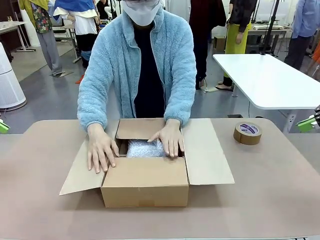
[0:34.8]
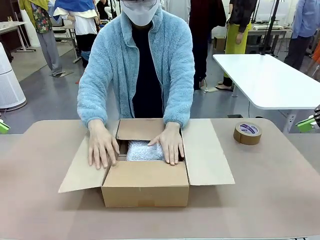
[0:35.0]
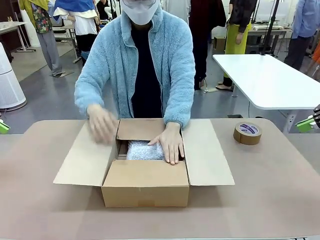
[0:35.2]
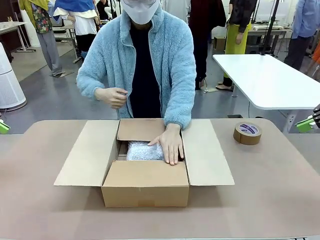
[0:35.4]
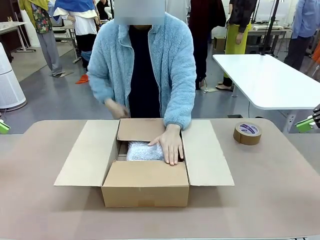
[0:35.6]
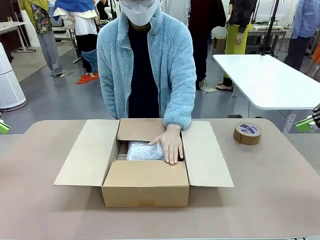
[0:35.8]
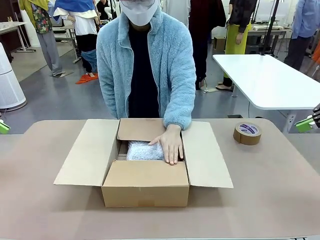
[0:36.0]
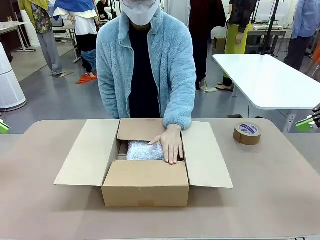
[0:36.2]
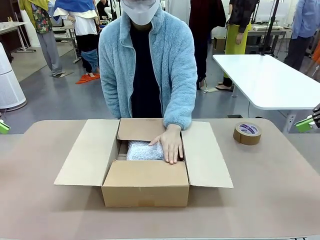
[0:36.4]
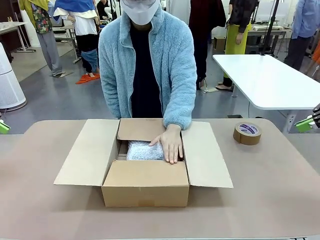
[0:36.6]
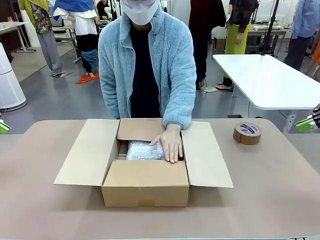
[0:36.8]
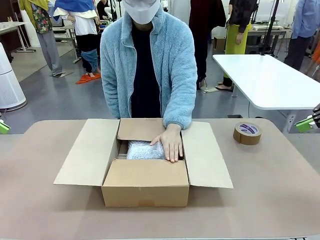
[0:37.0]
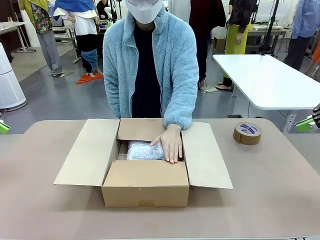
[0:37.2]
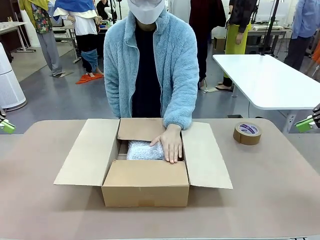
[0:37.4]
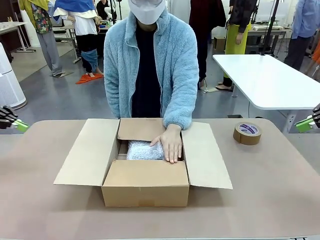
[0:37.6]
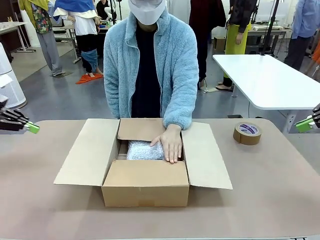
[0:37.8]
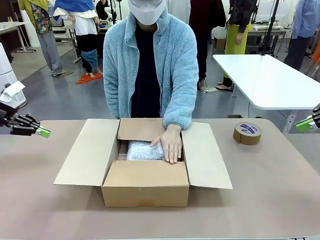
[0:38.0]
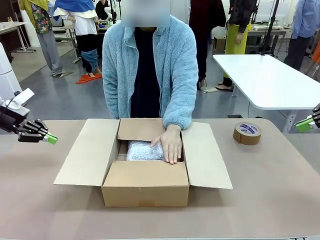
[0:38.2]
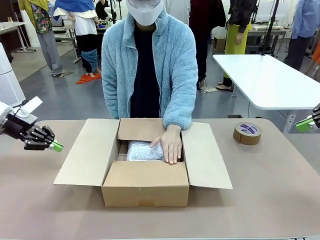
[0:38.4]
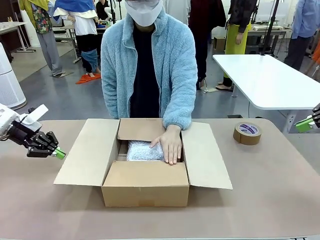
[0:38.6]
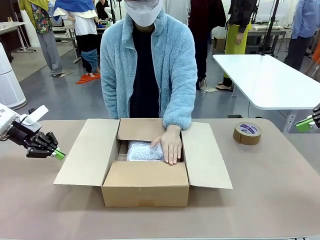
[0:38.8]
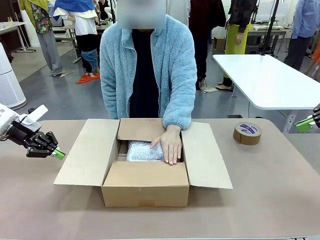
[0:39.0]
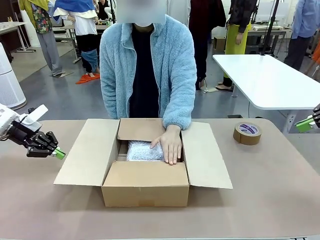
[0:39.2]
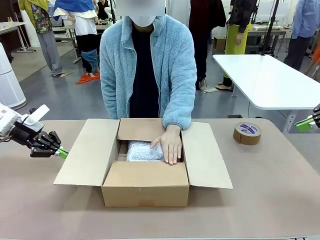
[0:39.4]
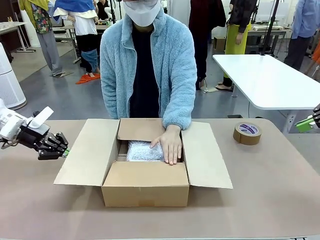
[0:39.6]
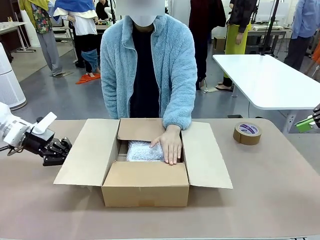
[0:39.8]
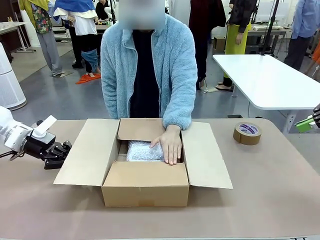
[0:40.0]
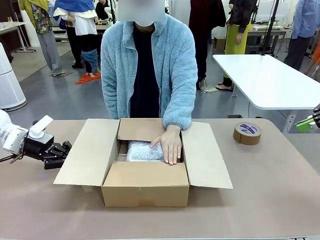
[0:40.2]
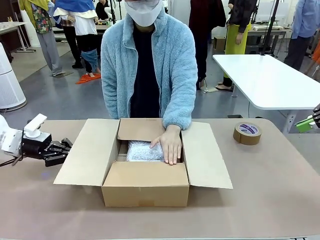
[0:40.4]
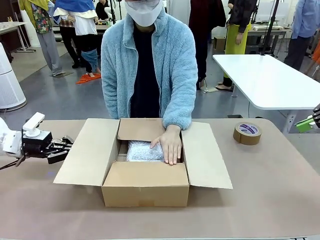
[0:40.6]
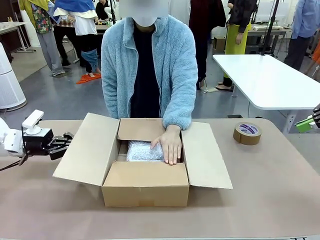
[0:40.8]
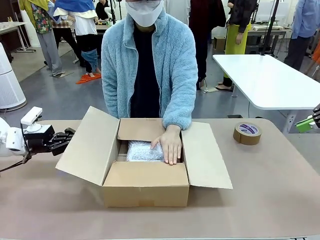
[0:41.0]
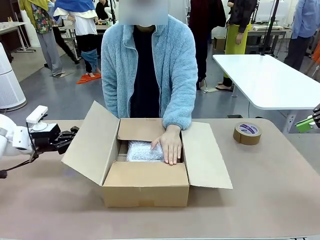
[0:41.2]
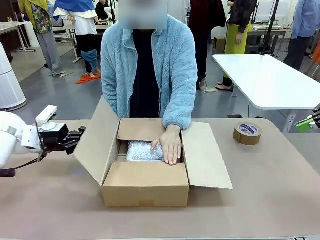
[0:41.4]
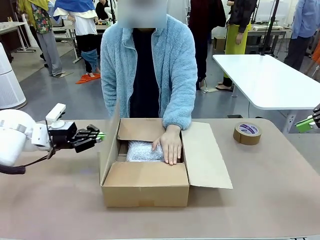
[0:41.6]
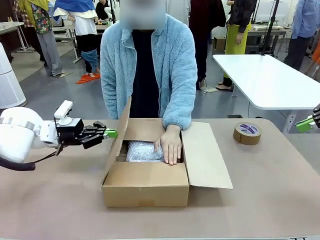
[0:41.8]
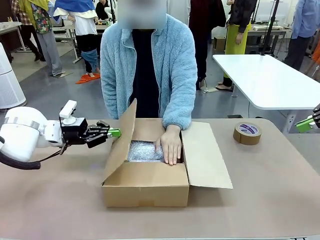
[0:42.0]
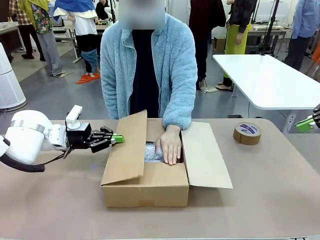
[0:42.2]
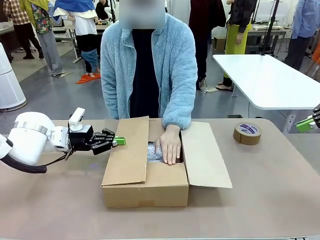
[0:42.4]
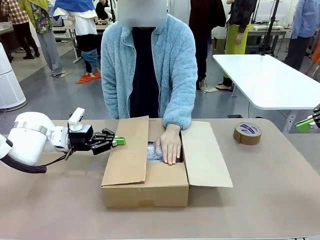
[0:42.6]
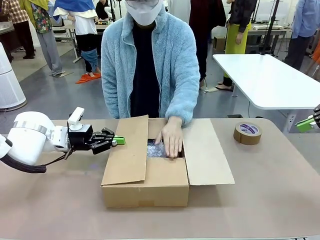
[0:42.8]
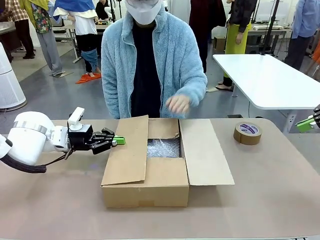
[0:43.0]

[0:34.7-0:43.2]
Task: Wrap the clocks to prevent damage.
Robot: Push the right (or left) flap of the Package Box to close it.
Person: Once the robot closes the right flap of the Package Box , release your left hand from the box.

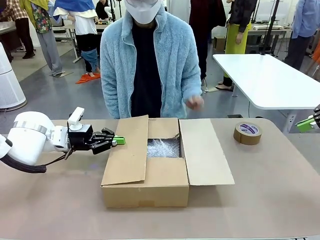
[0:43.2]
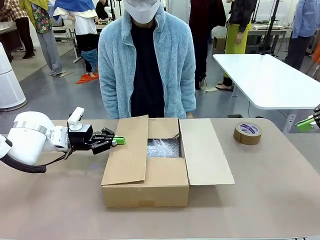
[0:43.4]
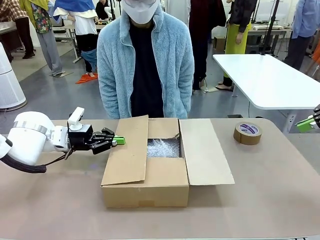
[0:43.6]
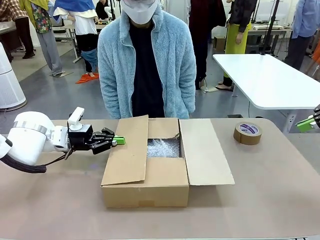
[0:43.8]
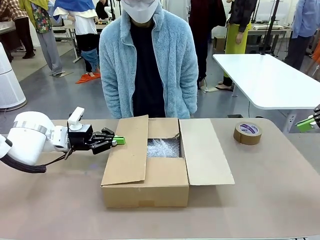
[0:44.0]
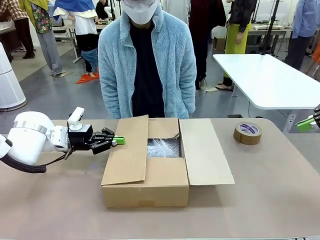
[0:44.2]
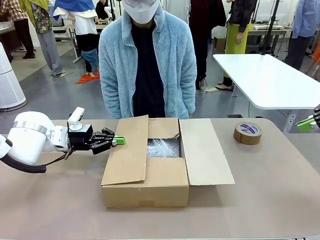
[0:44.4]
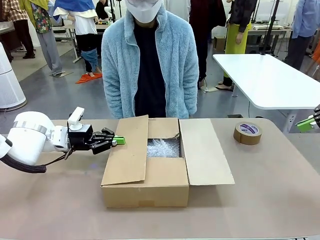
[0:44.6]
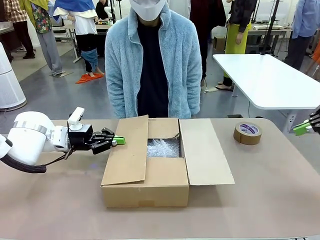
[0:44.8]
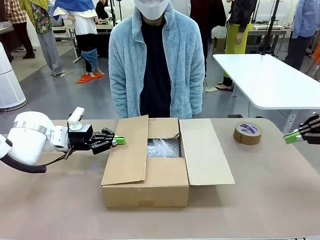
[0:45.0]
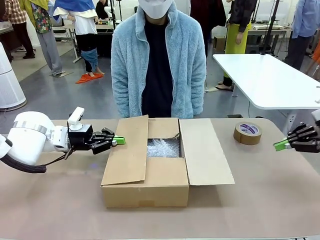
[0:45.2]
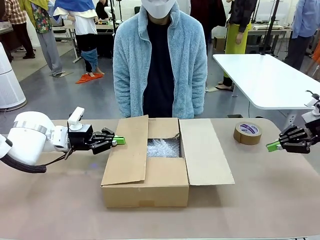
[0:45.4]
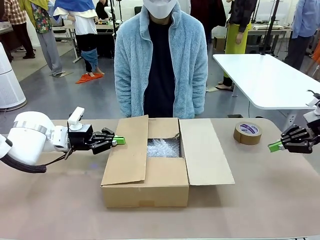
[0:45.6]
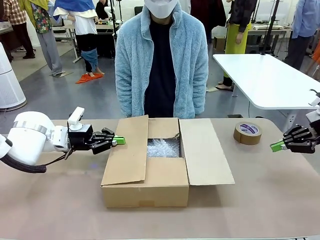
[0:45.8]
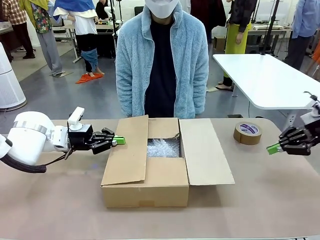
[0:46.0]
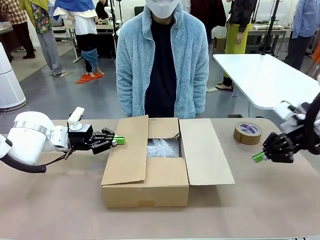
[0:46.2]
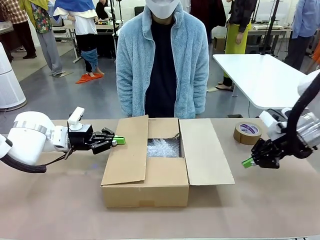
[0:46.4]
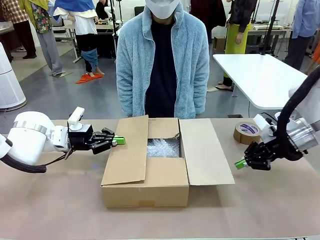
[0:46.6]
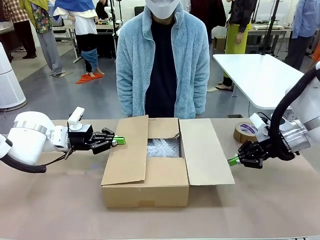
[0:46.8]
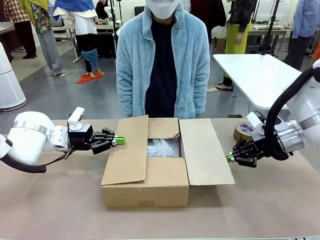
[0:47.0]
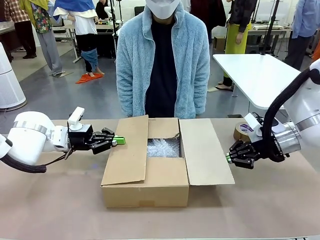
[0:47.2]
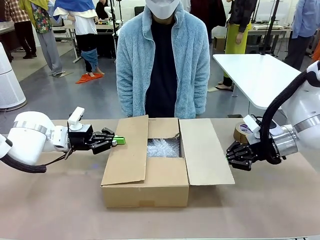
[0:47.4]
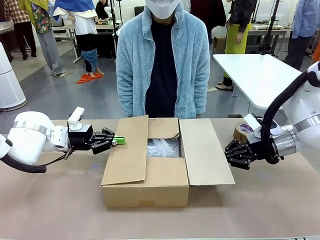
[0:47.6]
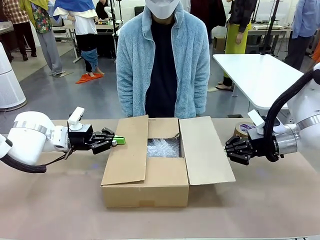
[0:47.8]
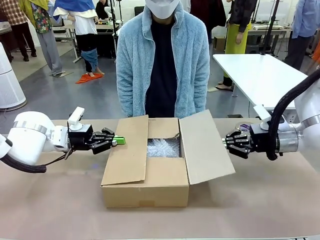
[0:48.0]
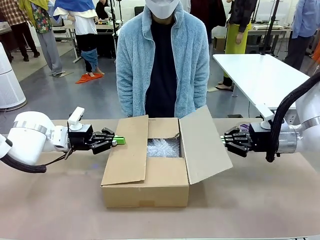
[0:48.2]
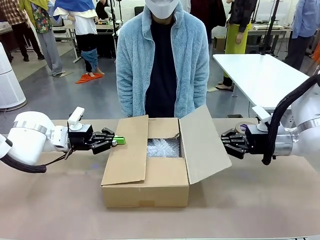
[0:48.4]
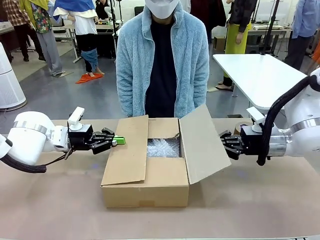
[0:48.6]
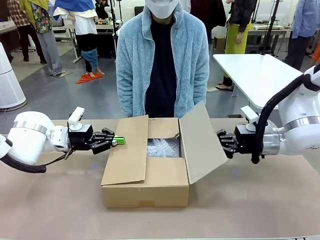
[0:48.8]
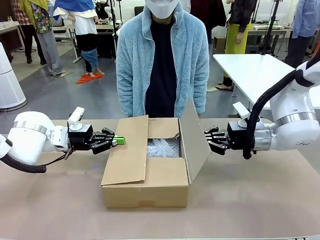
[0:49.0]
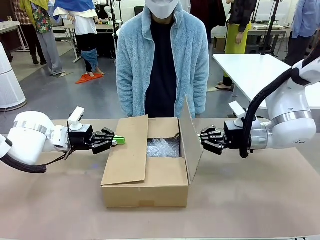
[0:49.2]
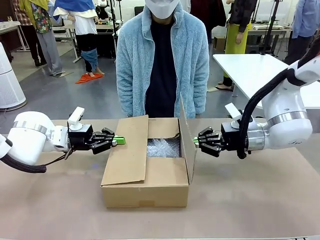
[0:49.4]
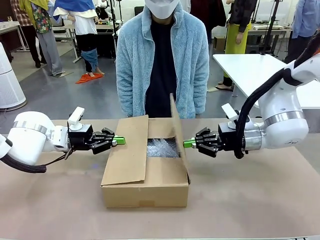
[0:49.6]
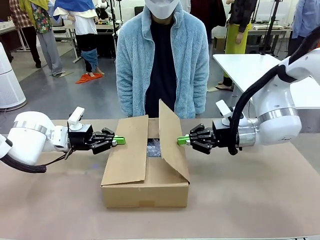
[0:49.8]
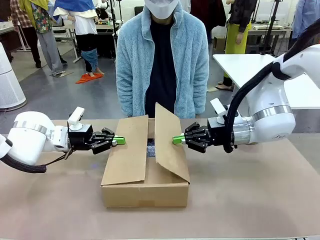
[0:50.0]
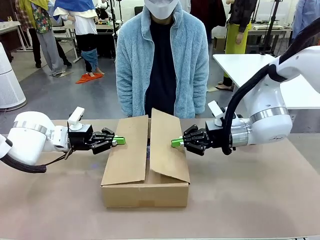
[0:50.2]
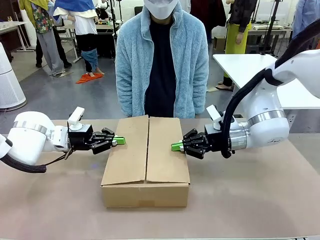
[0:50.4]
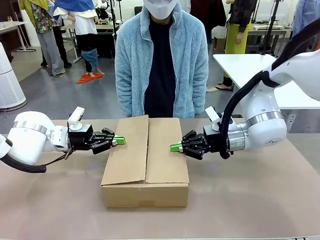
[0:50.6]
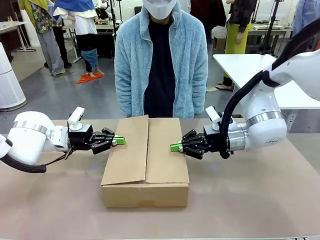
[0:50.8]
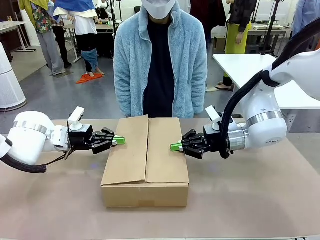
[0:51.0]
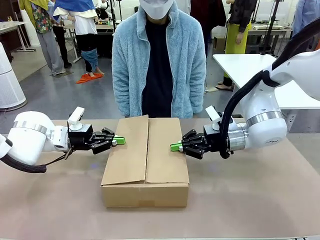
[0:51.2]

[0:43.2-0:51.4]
Robot: Push the left (or right) flap of the Package Box to close it.

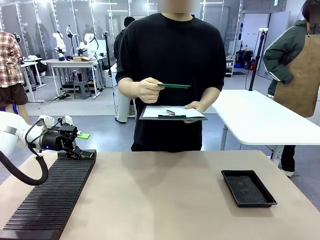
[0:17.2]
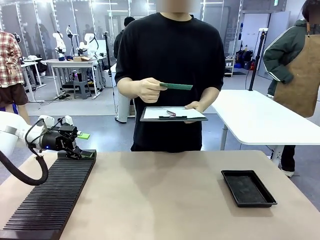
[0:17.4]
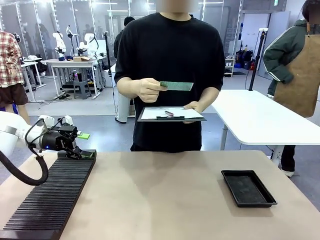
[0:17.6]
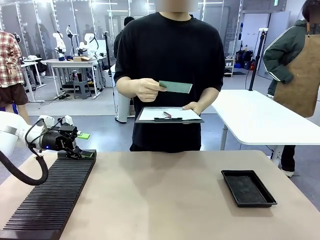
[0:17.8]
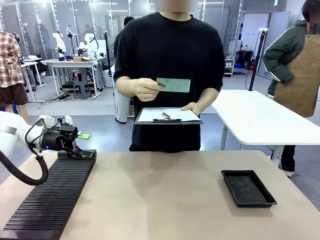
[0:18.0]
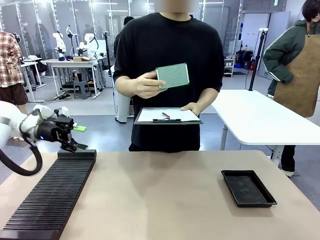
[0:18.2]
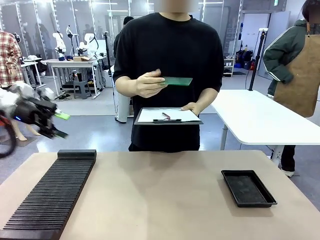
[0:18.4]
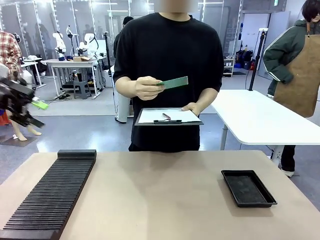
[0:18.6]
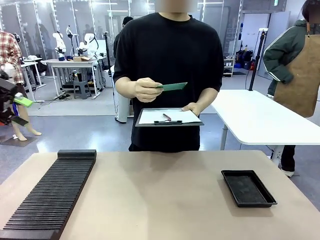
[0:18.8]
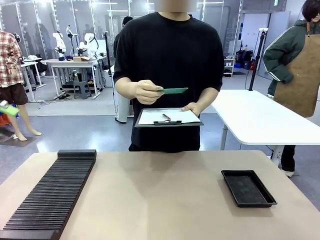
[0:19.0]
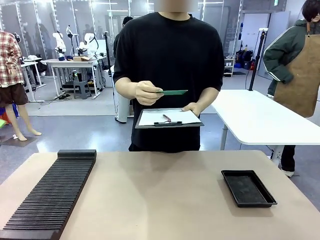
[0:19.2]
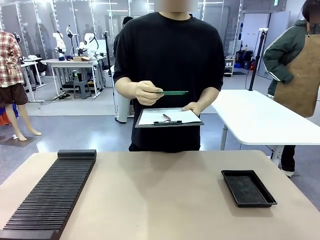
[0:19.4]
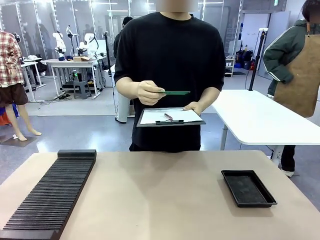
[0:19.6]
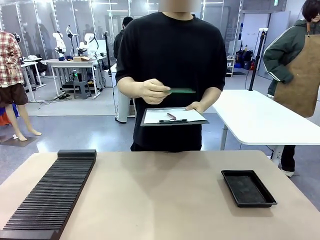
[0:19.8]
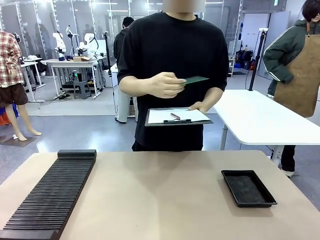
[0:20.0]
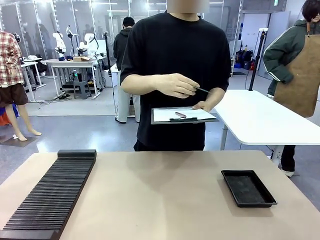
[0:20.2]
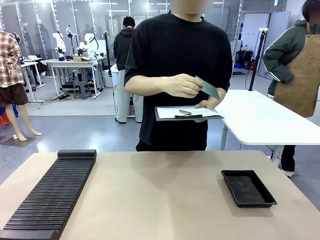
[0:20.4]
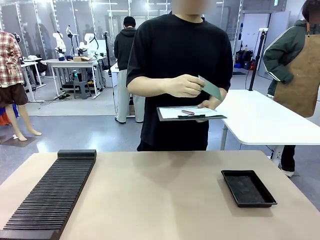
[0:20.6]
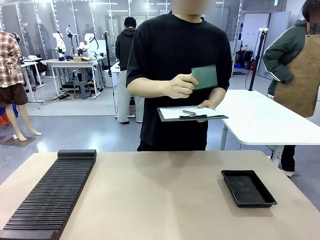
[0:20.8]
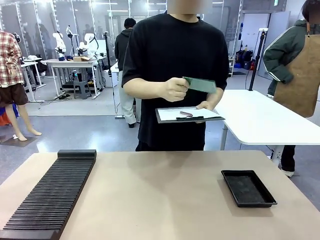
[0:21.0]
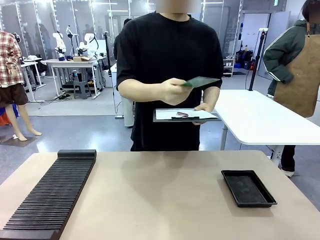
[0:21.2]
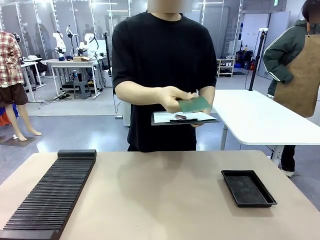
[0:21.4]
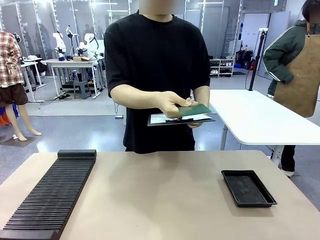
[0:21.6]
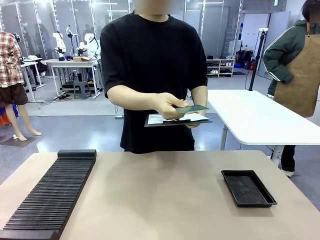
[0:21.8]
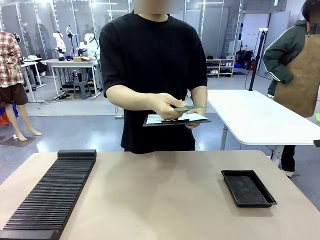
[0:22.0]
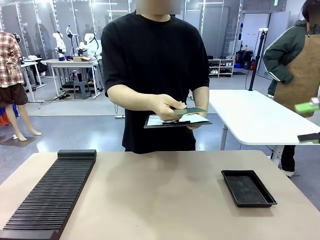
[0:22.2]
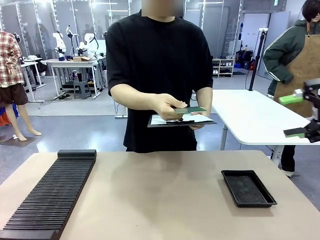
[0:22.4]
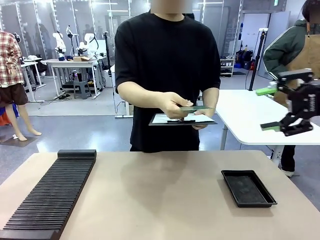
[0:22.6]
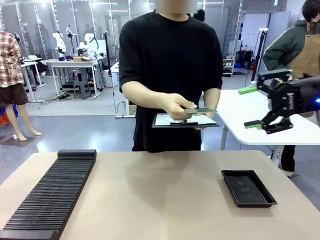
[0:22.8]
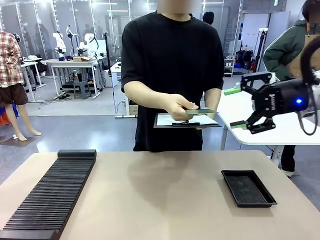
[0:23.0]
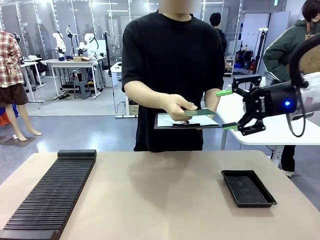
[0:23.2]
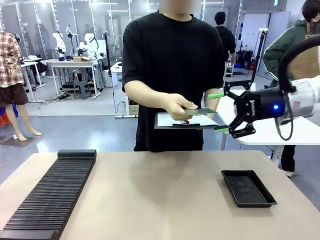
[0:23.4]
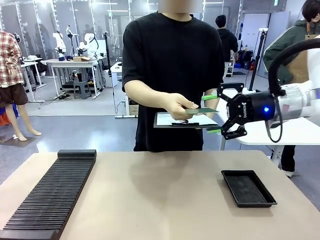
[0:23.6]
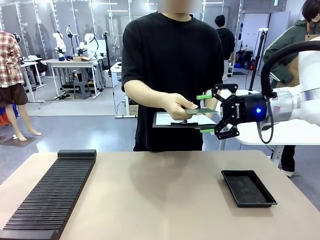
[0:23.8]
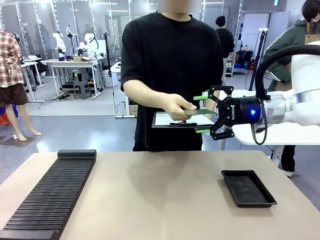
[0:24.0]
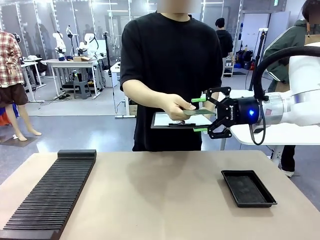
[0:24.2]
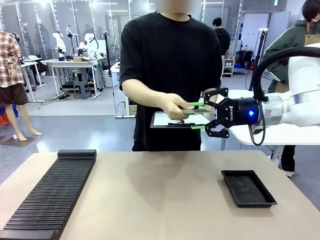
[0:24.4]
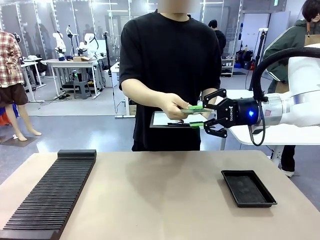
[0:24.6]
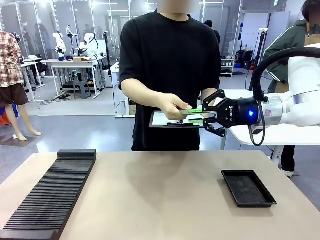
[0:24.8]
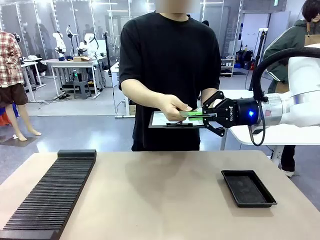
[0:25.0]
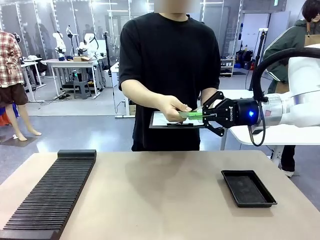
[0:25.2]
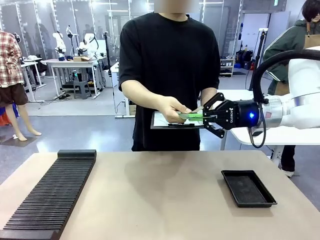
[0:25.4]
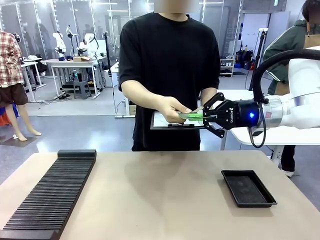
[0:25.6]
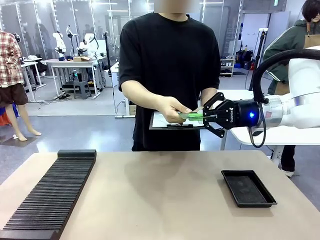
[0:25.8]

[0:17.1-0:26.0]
Task: Inspect the PCB.
Robot: Pick up the Blank PCB that the human is holding.
Person: Inspect the PCB placed by the robot, then hold it out in front of the robot. Release the PCB you were holding.
